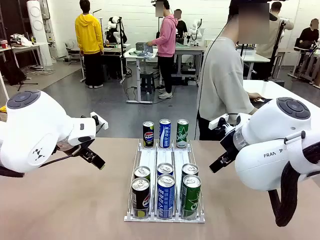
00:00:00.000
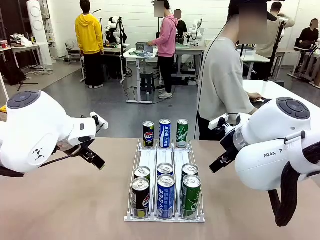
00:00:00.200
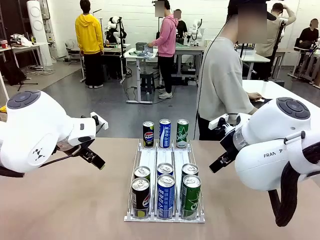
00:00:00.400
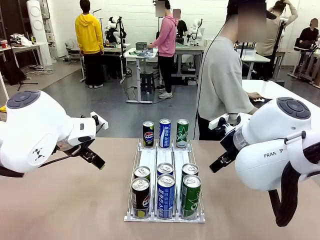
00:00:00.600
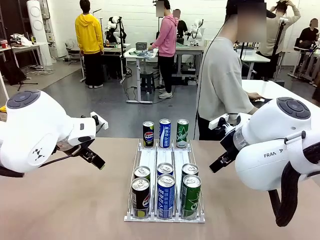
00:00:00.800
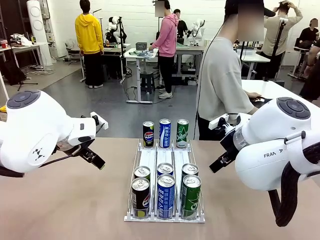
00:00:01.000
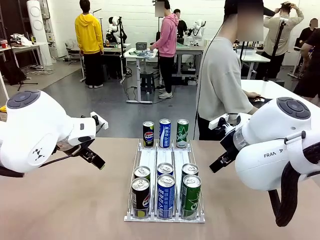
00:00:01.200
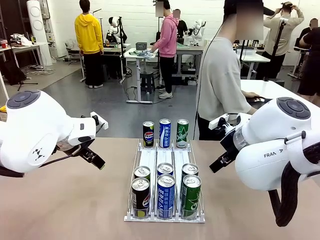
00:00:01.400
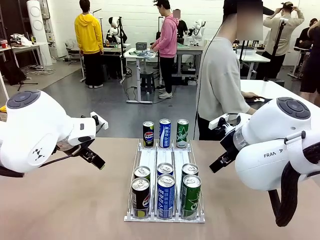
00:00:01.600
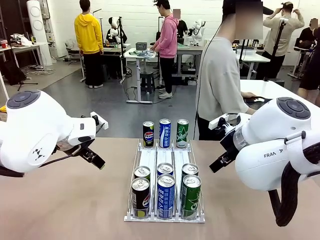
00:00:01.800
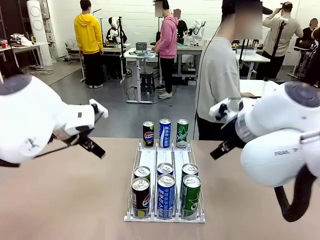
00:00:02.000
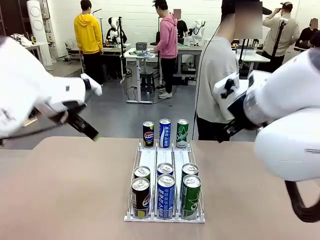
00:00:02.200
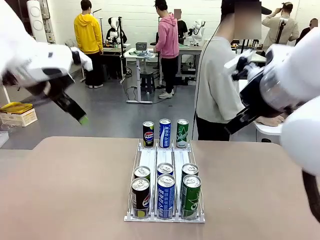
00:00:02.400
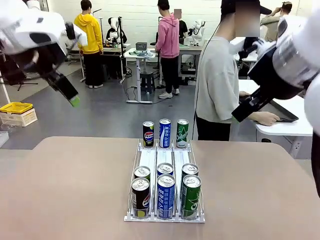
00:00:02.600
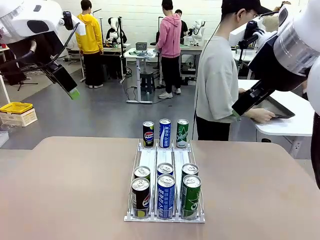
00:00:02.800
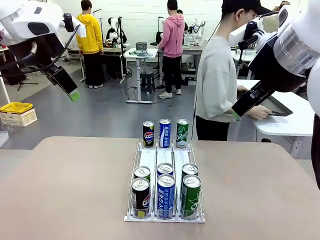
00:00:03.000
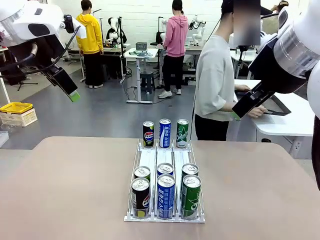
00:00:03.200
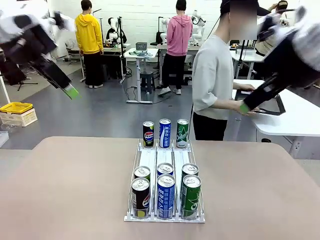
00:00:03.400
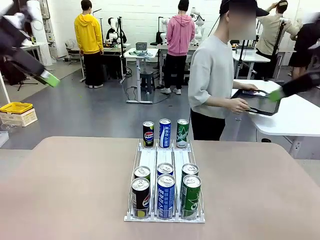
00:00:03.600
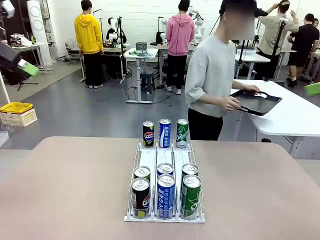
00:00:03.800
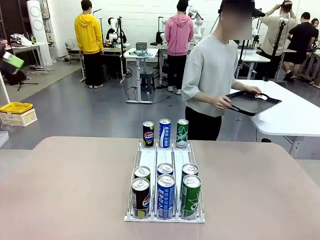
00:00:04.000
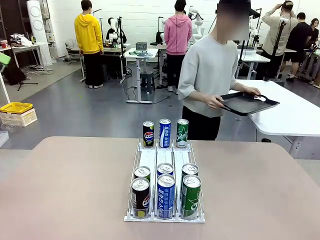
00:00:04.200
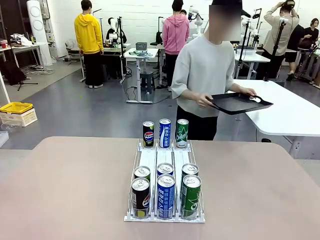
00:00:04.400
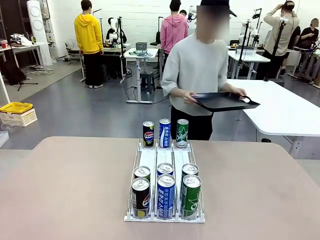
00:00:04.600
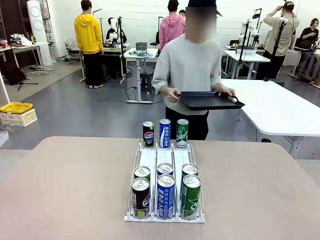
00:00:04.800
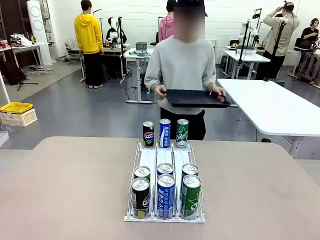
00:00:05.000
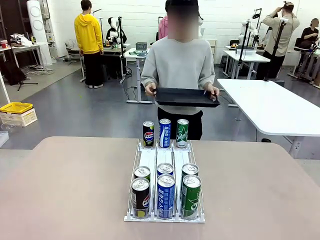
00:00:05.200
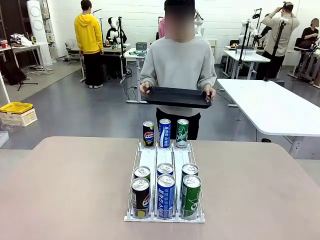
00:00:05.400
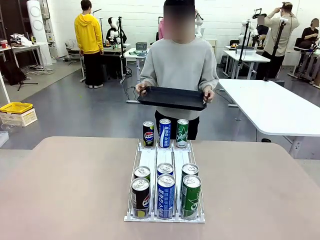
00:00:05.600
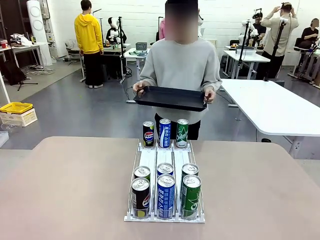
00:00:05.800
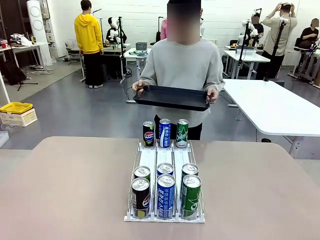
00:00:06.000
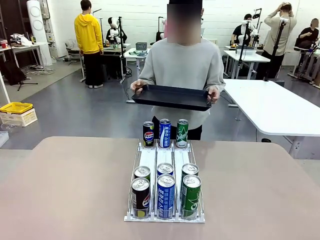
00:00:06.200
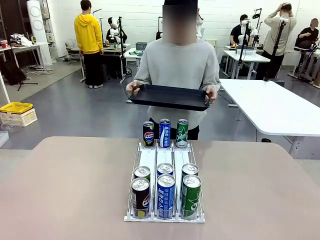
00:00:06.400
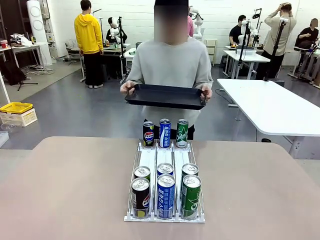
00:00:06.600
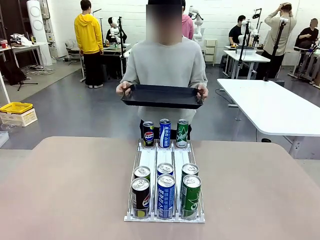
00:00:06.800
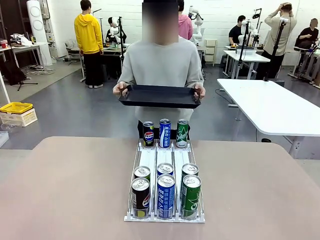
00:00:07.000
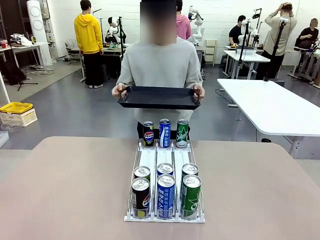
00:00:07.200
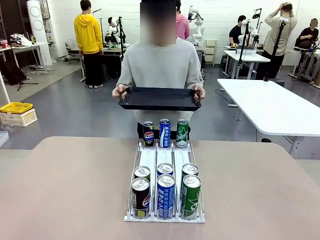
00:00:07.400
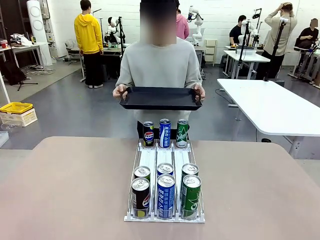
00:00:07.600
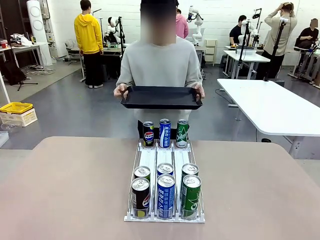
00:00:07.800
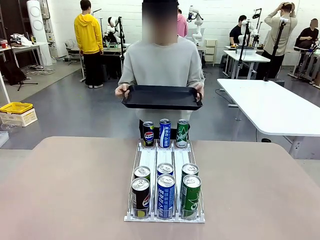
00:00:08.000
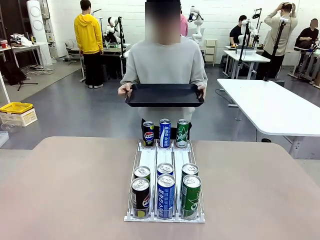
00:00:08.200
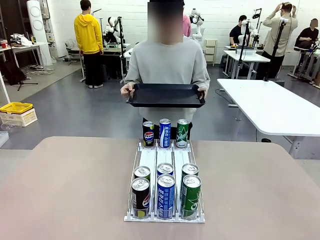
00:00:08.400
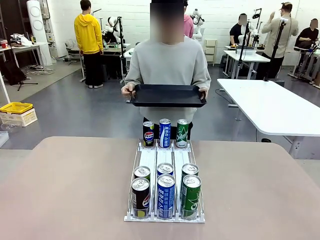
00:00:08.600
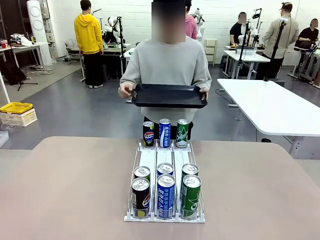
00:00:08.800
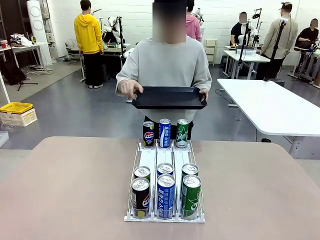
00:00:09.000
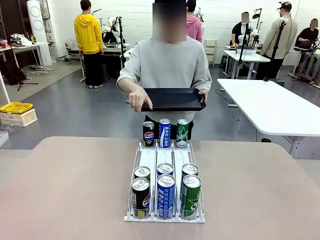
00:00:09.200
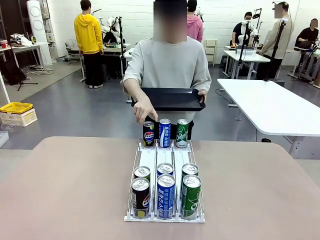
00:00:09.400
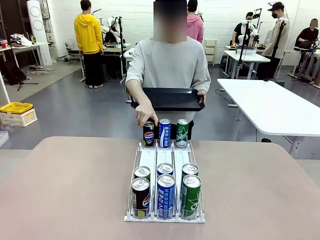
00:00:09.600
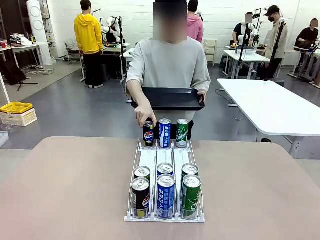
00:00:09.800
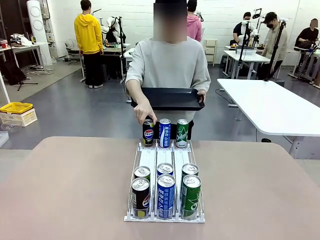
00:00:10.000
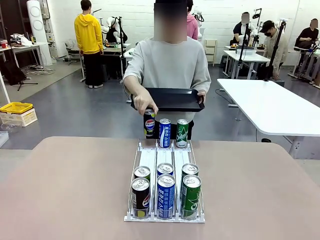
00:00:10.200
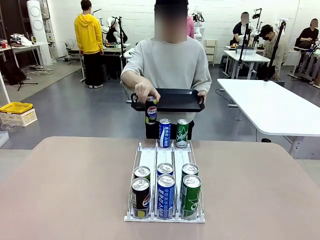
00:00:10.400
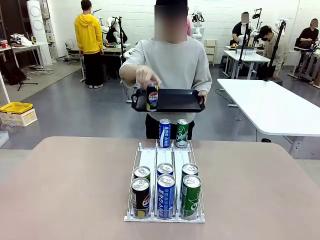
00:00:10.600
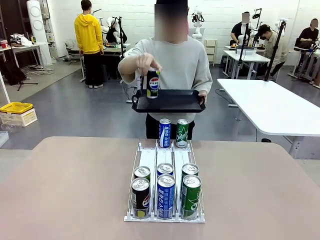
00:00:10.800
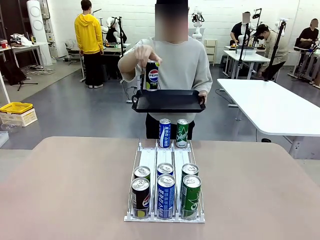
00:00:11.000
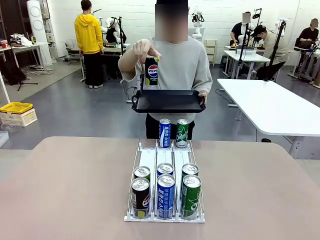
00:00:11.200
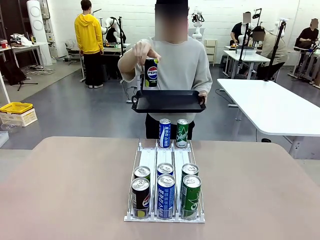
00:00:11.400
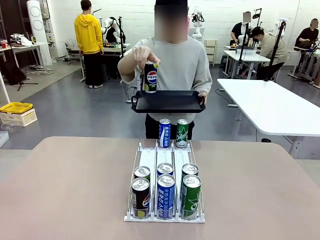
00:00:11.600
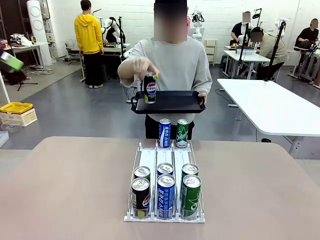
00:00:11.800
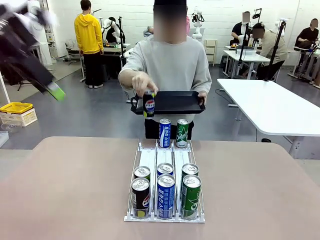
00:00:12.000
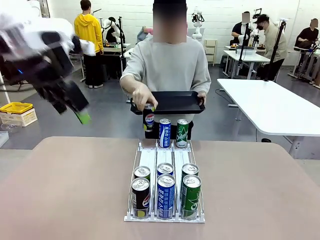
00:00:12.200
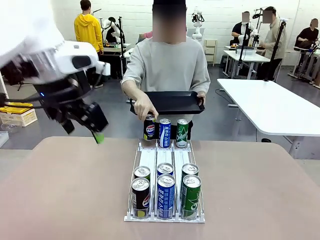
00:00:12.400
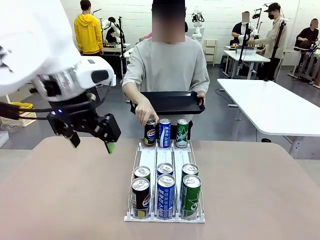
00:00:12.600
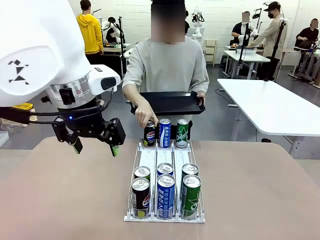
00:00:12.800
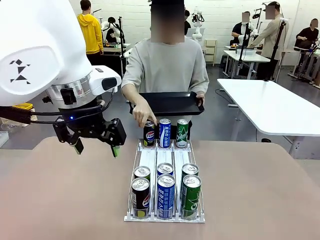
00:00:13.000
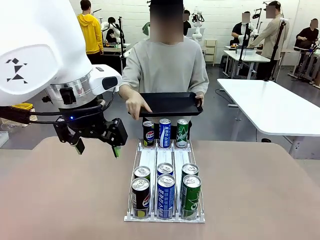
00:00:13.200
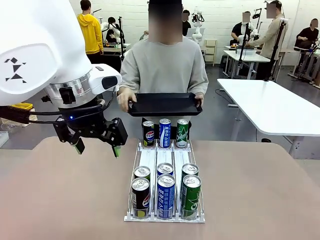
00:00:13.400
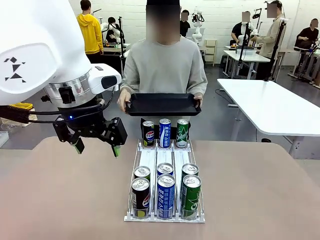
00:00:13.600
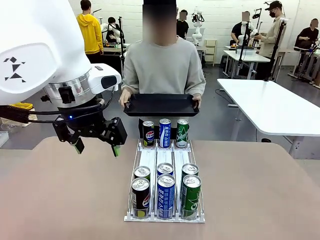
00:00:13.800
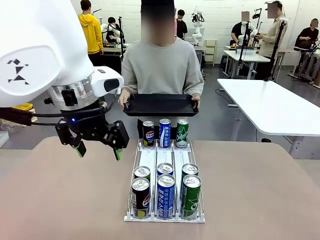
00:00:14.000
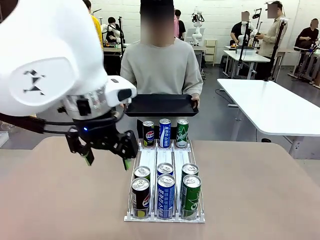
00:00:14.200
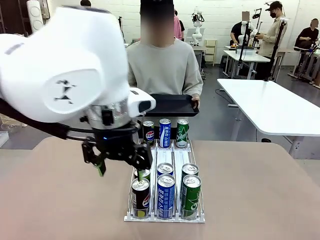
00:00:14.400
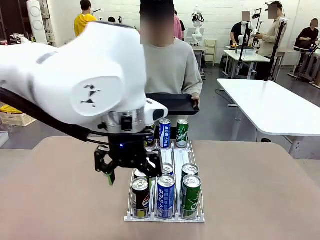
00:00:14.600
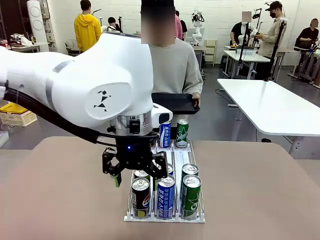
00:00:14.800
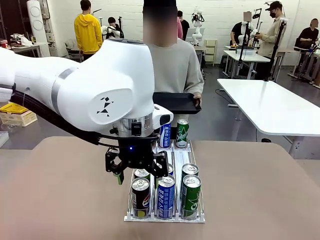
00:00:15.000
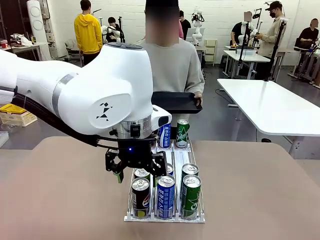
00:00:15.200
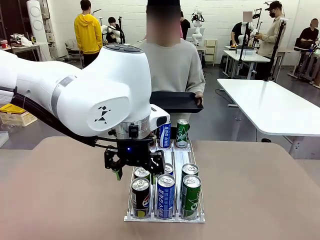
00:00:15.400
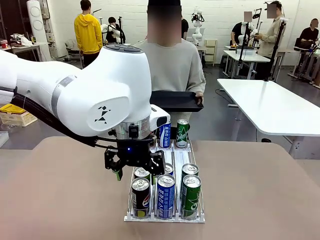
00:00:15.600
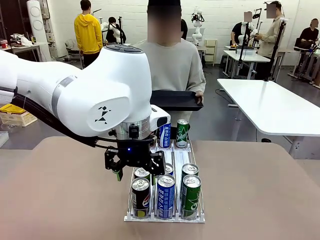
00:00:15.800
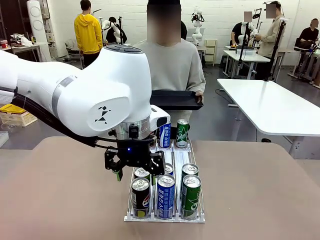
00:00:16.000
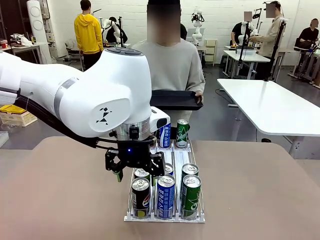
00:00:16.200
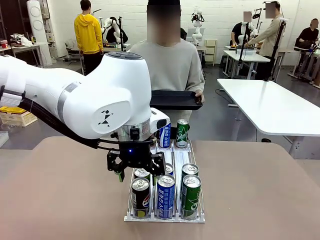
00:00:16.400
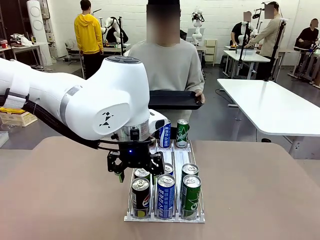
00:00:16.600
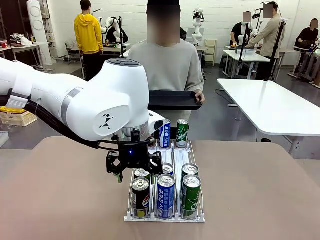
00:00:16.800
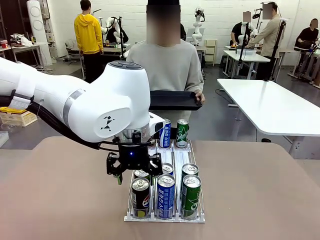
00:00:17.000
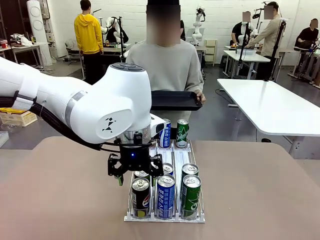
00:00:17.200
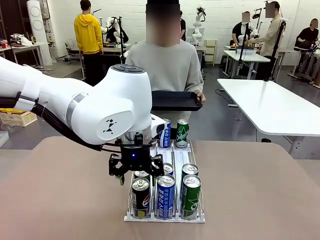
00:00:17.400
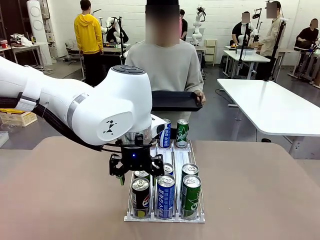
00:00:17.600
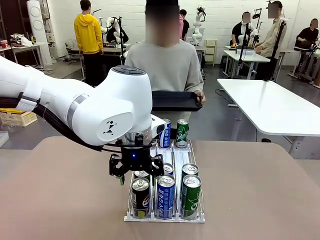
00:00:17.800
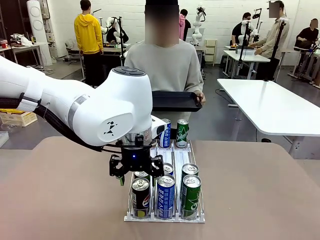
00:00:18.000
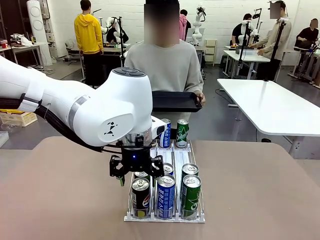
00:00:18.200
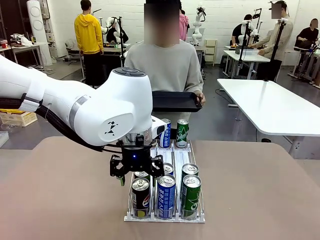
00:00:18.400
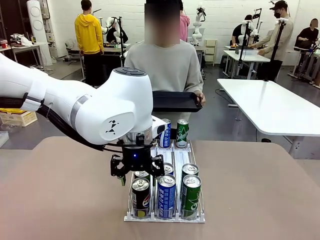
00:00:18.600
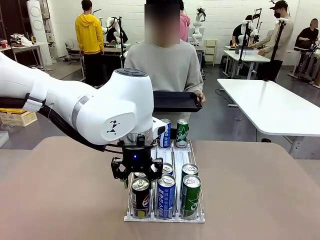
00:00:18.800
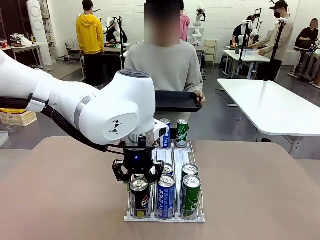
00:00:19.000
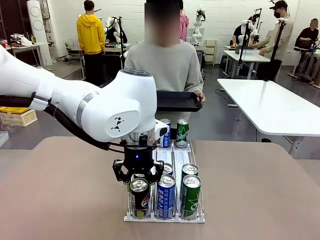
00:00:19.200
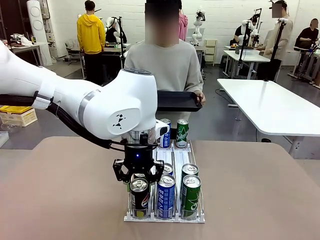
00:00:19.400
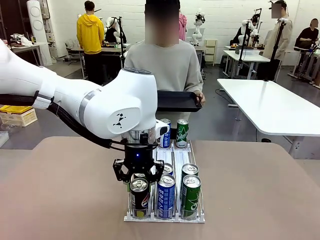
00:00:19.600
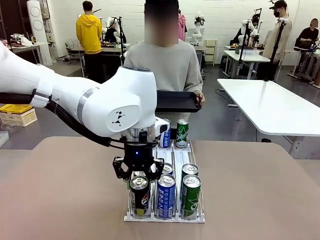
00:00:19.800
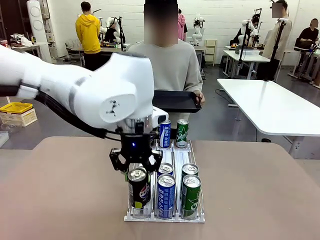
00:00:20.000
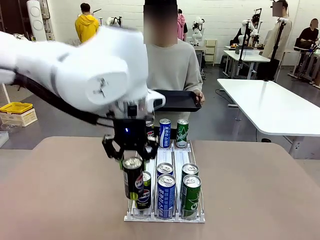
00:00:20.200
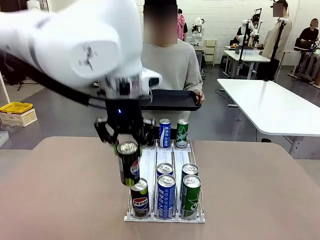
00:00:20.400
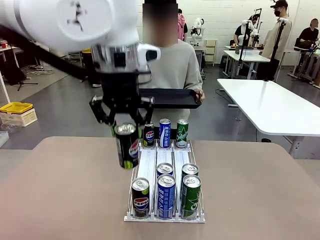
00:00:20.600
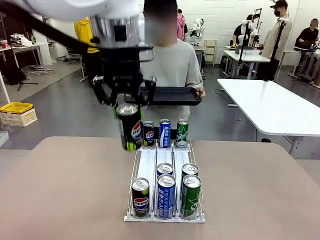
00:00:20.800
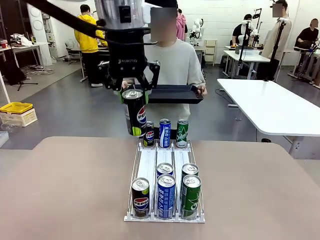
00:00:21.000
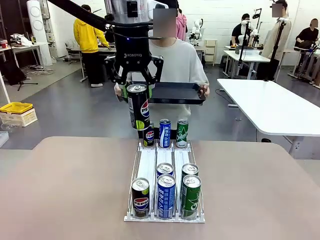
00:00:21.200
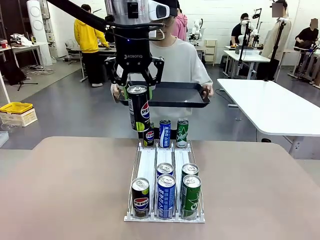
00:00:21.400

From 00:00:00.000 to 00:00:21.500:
Task: Retrieve and hand over the desired beverage to the person.
Robot: Pick up a can of the same type that the person held from the Automatic Can Dispenser.
Person: Hold the tray and position yourself in front of the robot table. Pick up one can from the bottom area of the table and puts it back in its original place. Push the tray toward the robot.
